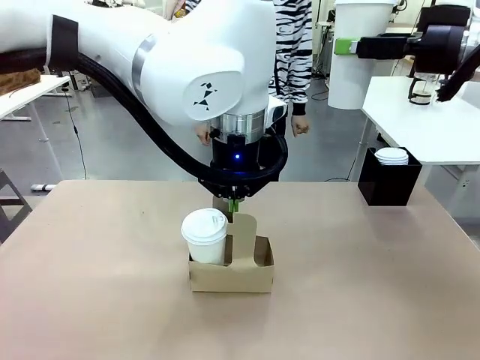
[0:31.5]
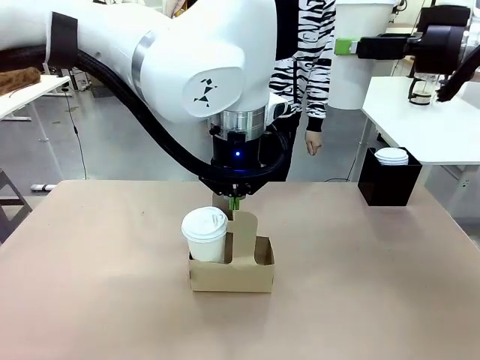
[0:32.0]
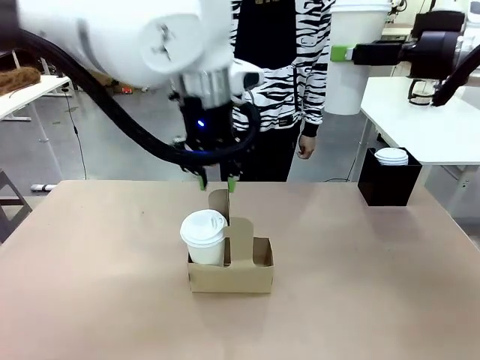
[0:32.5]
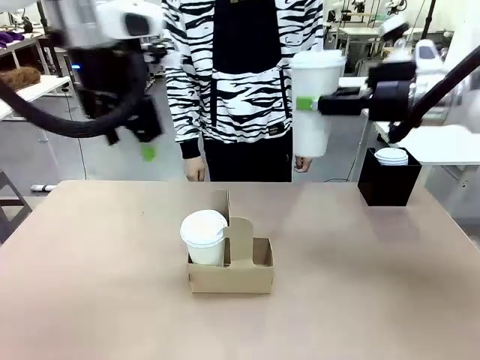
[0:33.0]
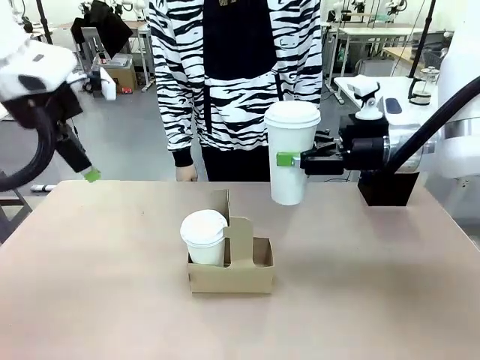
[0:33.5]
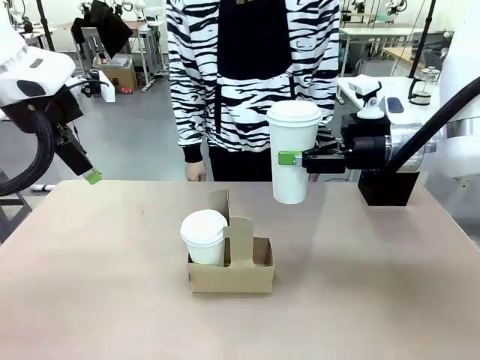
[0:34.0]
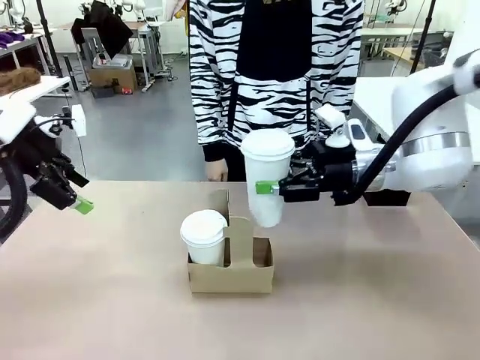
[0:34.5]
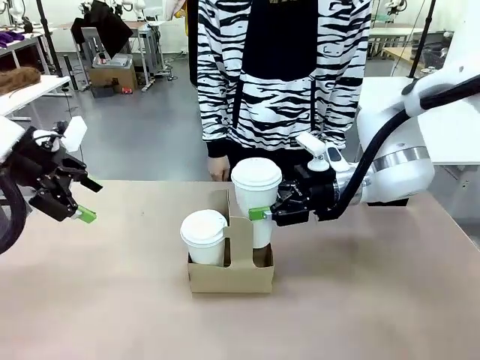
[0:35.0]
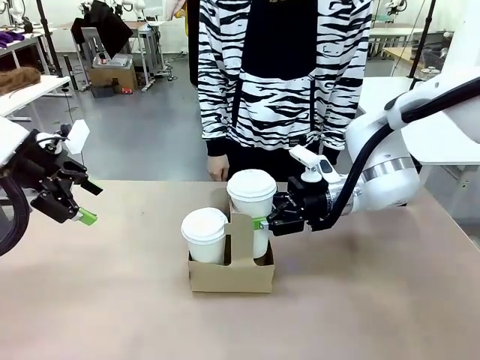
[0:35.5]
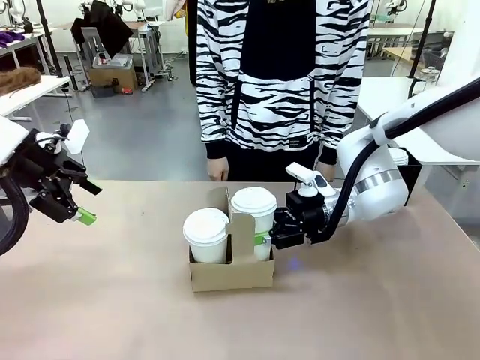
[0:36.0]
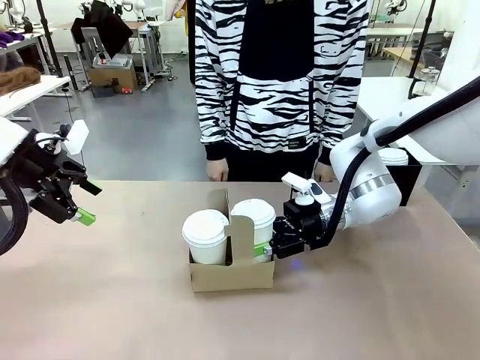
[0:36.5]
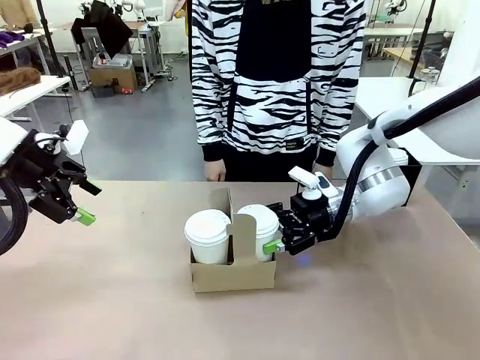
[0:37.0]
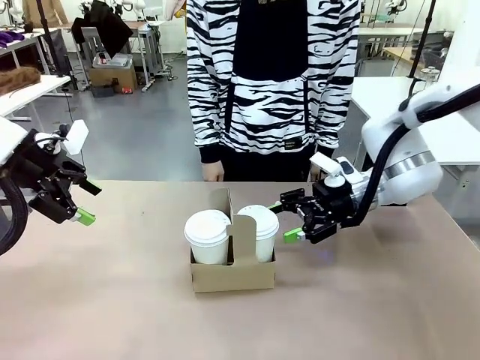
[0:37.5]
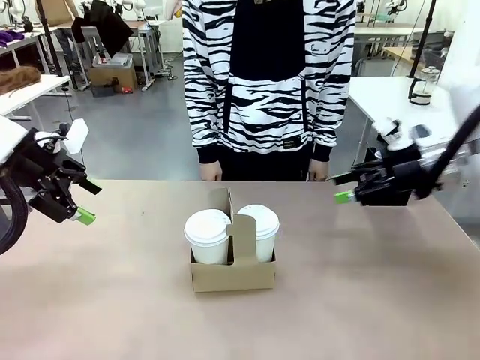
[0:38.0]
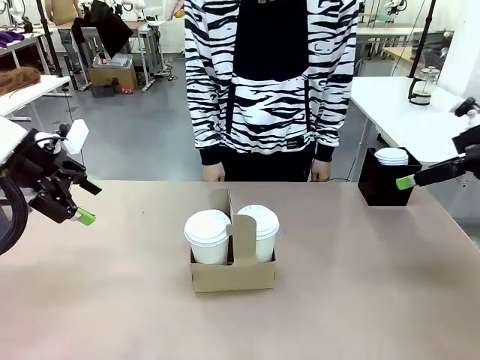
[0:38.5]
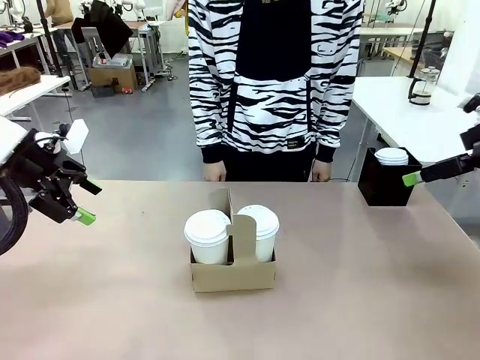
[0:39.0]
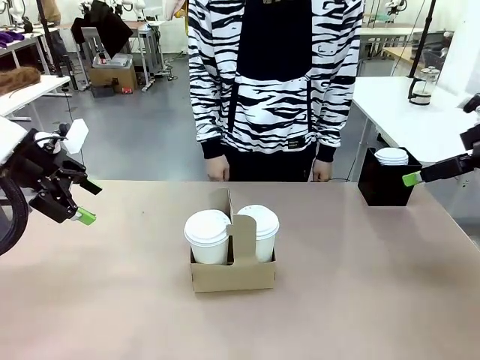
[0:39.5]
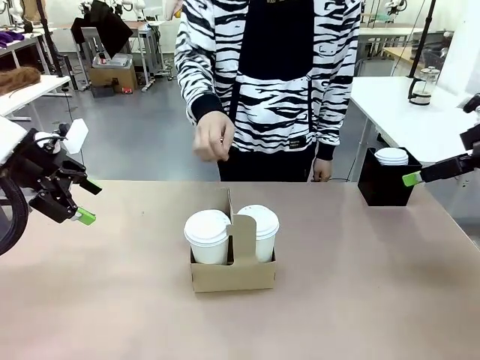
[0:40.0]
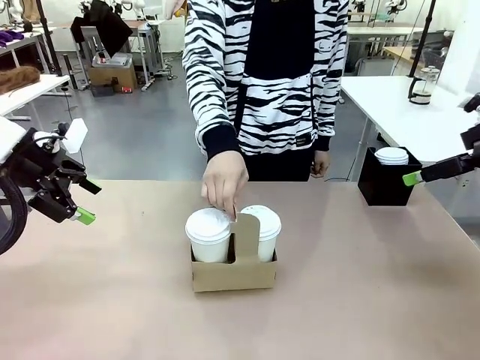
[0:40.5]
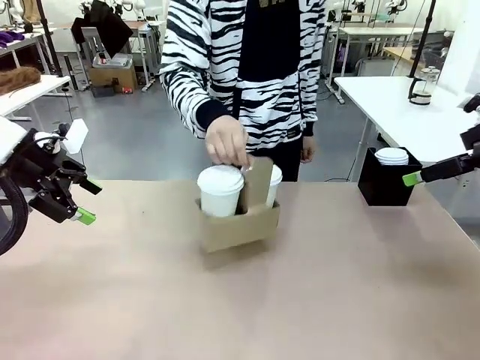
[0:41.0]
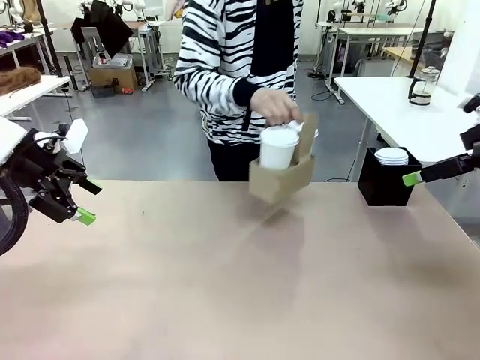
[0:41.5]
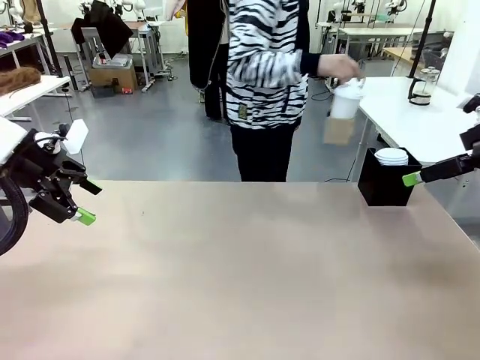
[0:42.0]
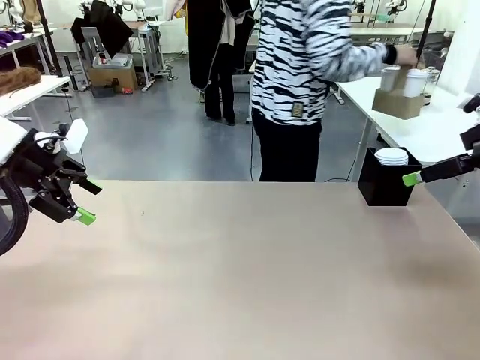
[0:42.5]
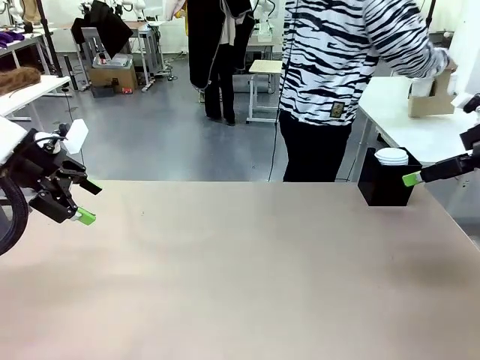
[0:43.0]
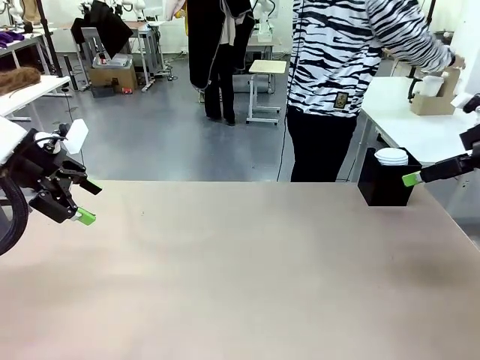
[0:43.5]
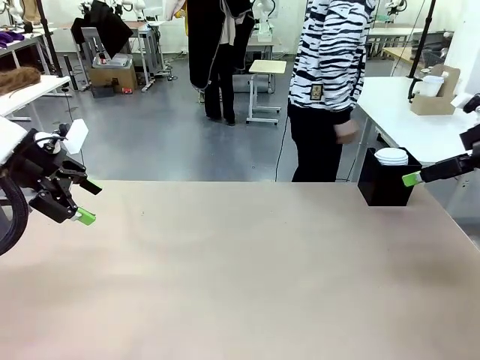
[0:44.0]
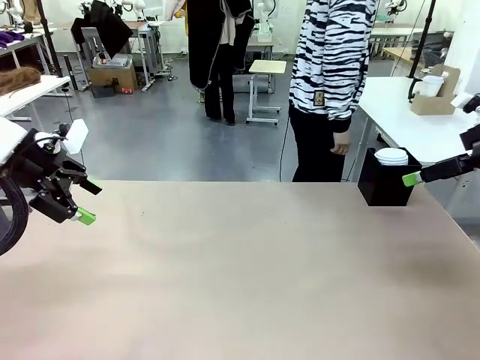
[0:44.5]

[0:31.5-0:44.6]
Task: Pour a drink into a cup and package it in a carrier.
Robot: Insert the held 600 ml Paper Cup into the Cup Carrier.
Person: Place the Cup Carrier to the middle of Human table.

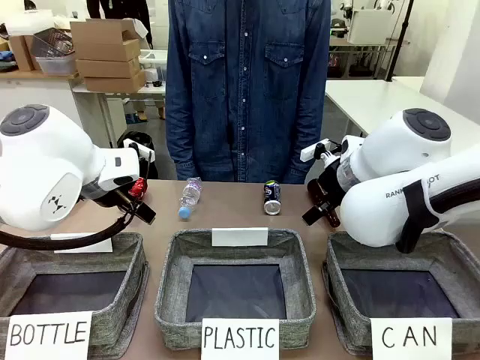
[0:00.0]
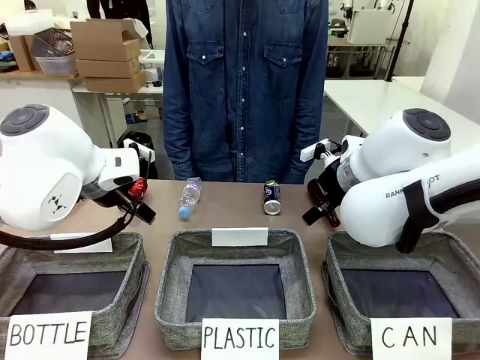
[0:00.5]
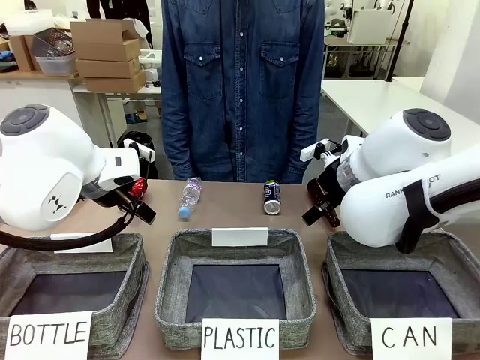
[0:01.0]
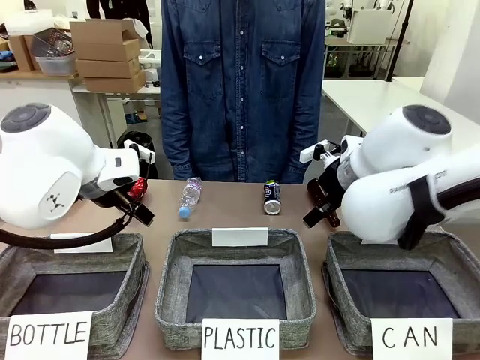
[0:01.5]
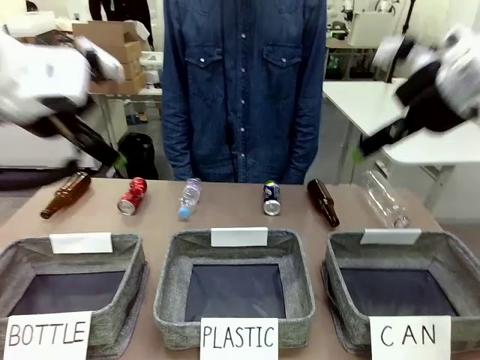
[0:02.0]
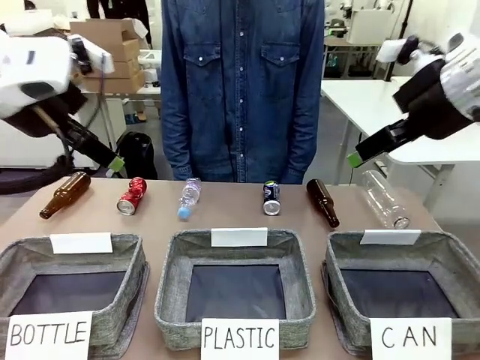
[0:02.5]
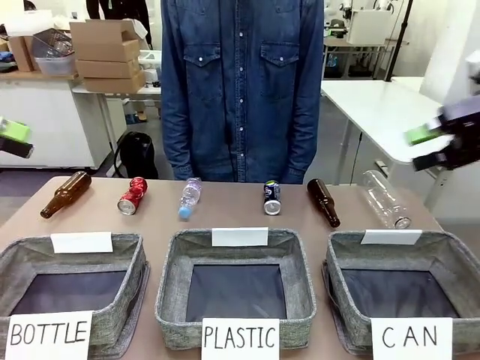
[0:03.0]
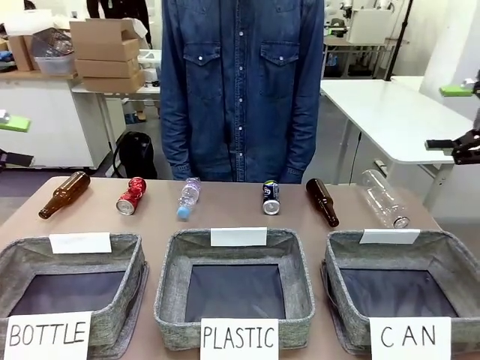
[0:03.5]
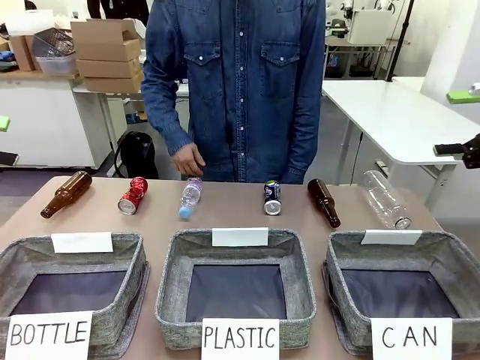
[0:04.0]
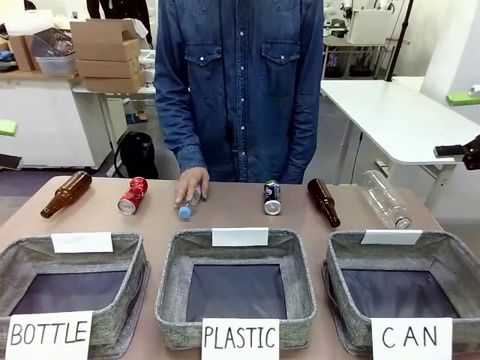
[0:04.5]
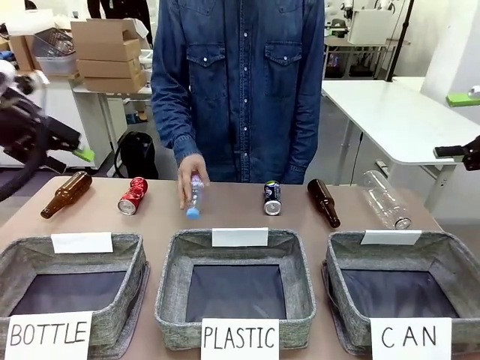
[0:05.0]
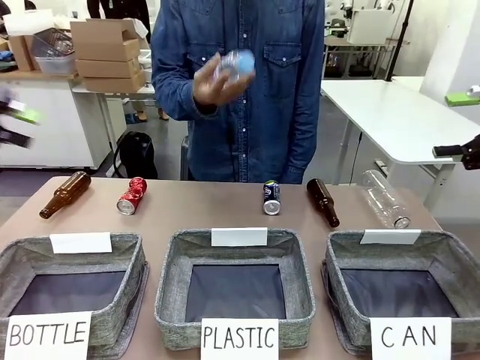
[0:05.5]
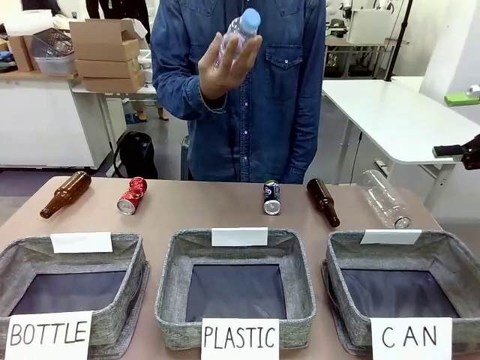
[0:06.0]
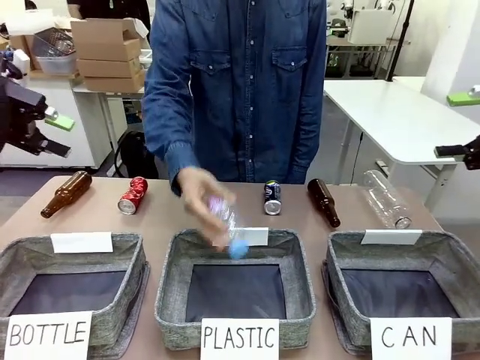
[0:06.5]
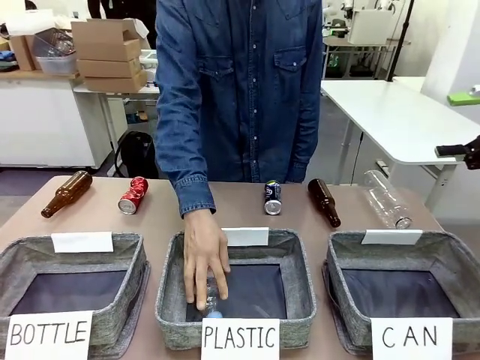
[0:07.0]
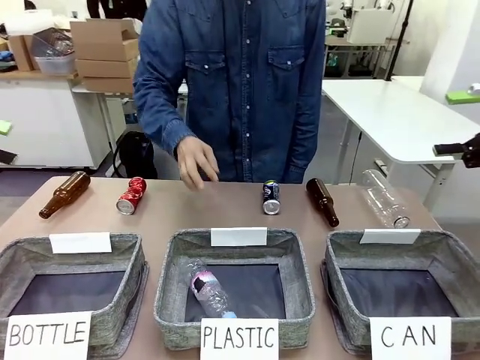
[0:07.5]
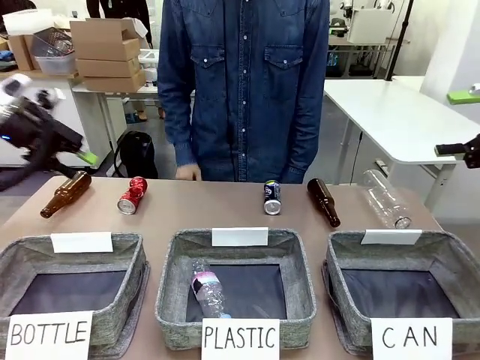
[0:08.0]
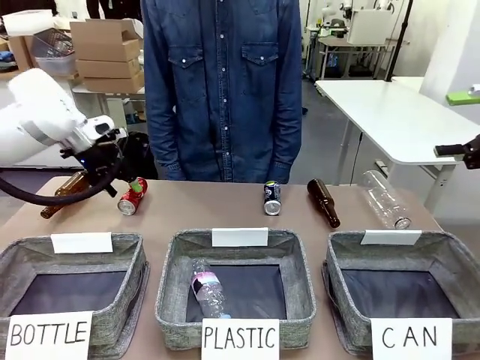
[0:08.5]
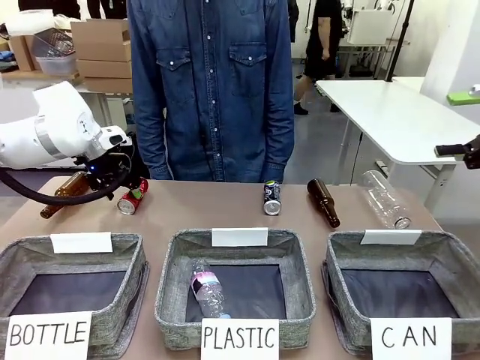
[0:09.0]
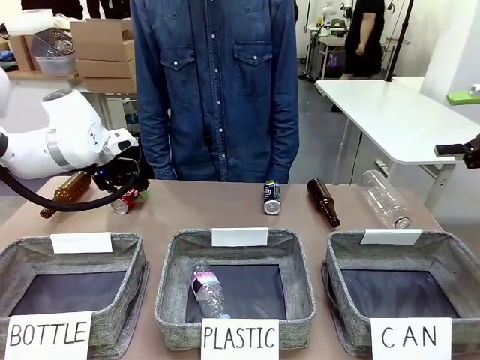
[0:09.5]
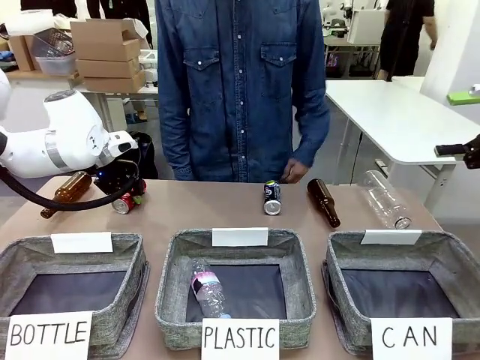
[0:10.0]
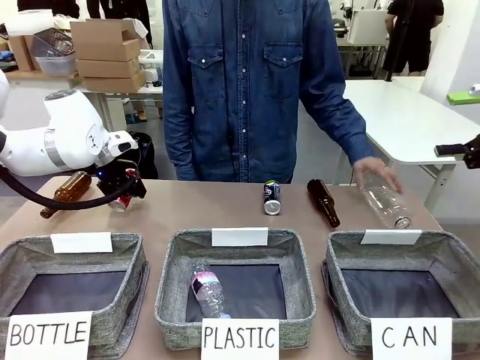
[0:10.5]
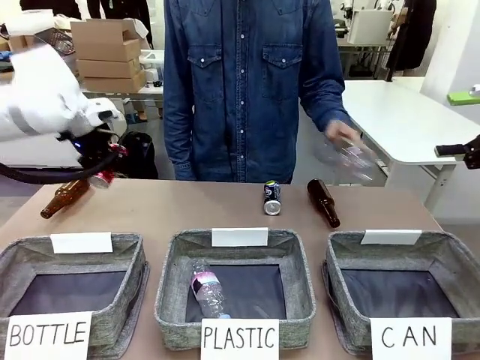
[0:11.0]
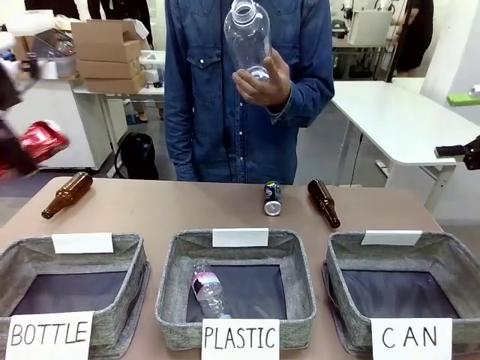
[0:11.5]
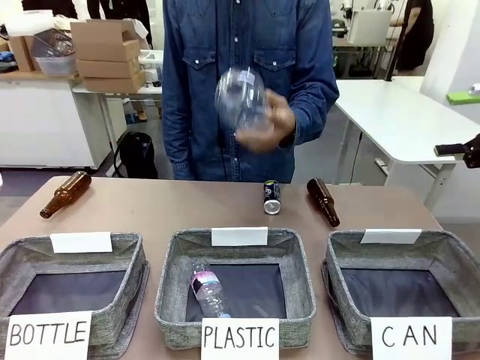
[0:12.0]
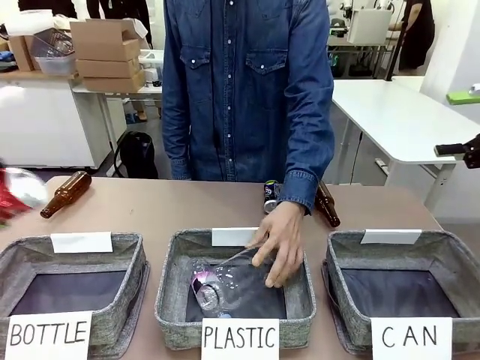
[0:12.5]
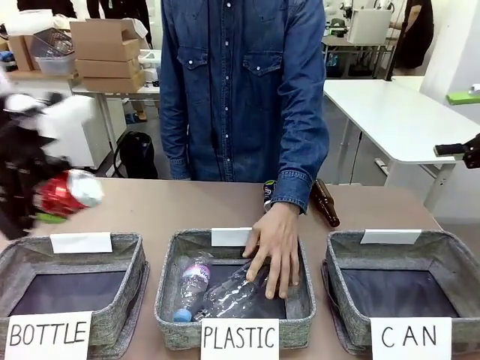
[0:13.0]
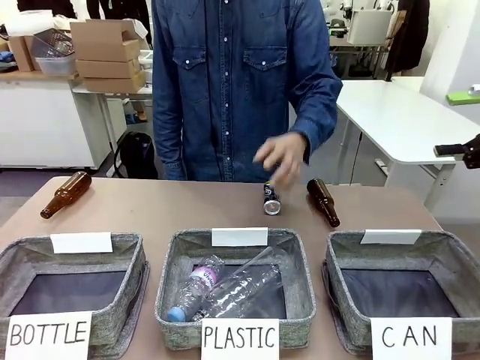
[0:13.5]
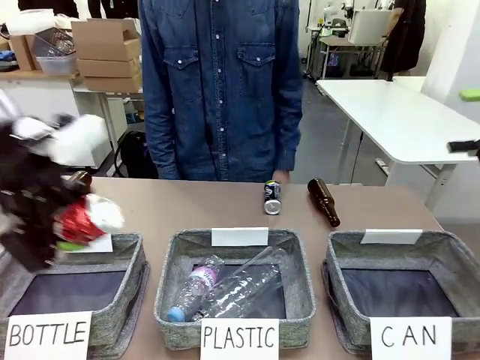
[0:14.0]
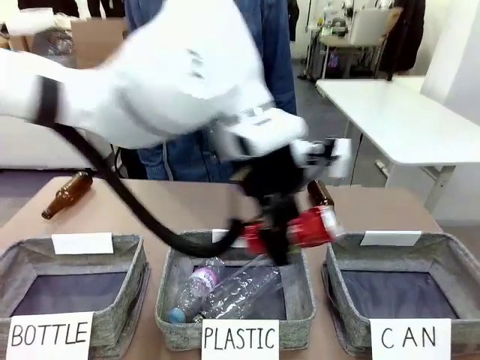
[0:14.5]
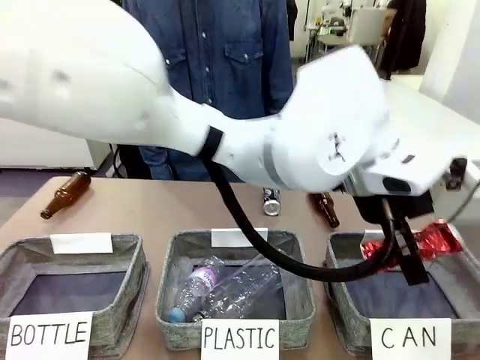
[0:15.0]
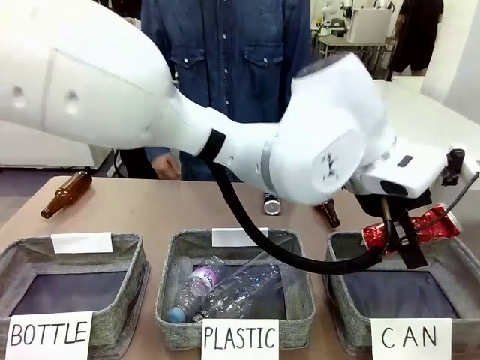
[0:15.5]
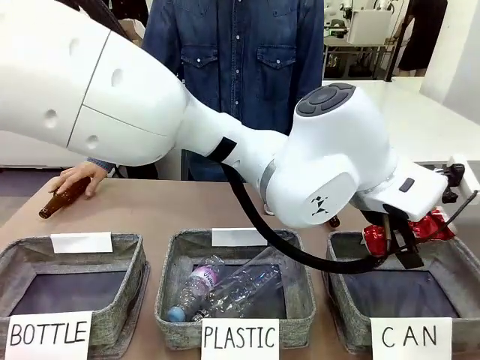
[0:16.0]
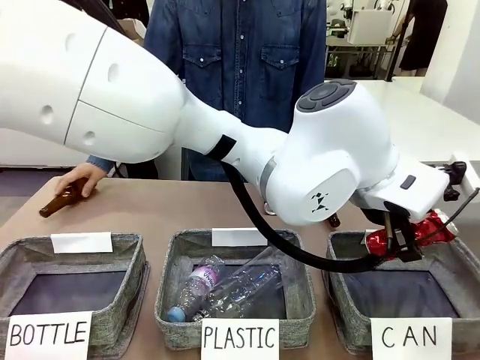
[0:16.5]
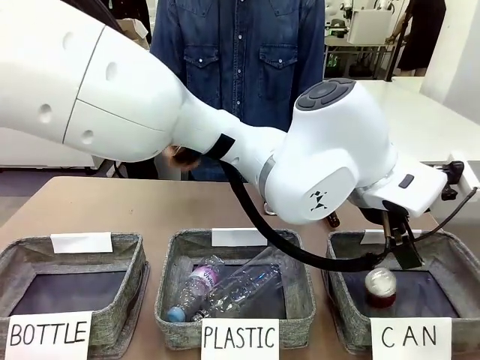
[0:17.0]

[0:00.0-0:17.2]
Task: Sort the can waste into the basket.
Robot: Pick up the can waste from the table and place it in the right Fabric basket.
